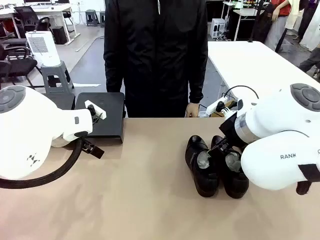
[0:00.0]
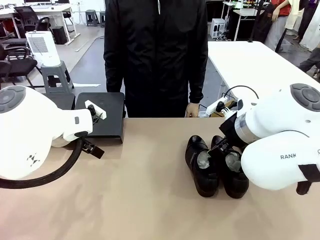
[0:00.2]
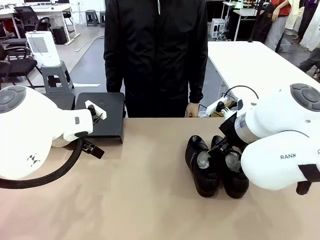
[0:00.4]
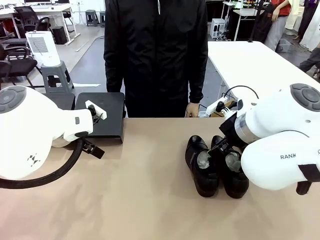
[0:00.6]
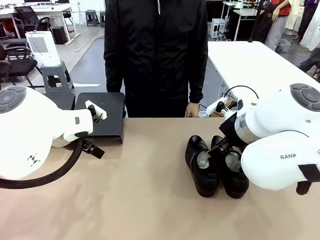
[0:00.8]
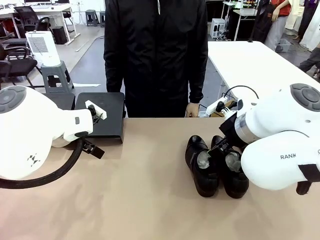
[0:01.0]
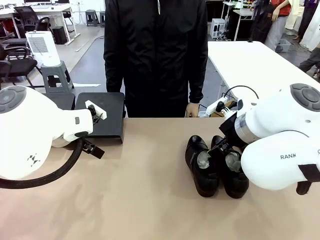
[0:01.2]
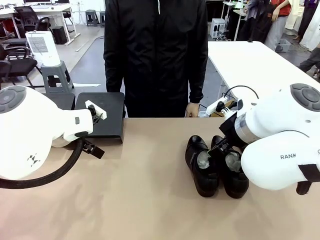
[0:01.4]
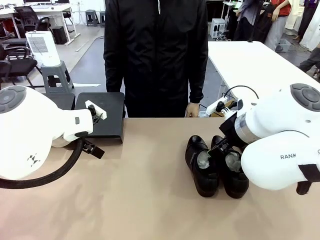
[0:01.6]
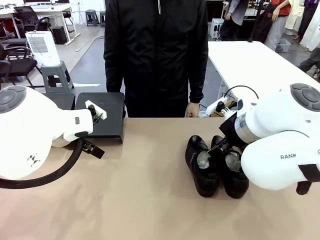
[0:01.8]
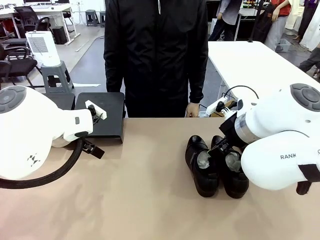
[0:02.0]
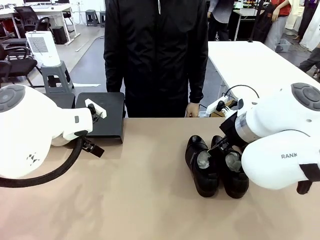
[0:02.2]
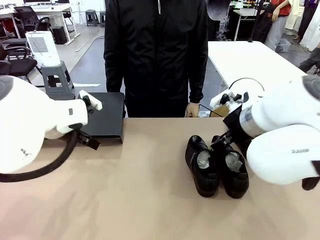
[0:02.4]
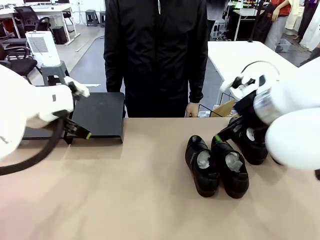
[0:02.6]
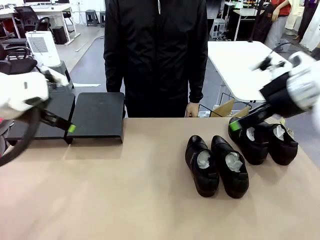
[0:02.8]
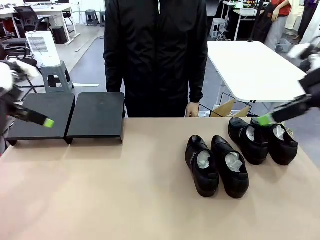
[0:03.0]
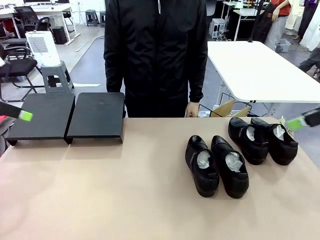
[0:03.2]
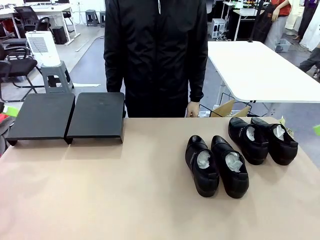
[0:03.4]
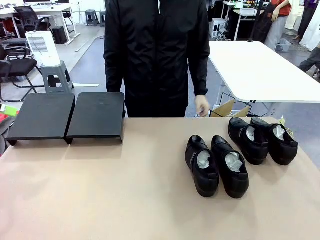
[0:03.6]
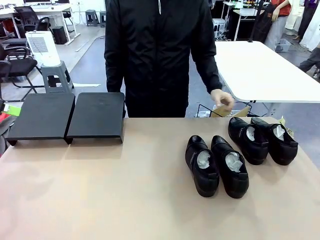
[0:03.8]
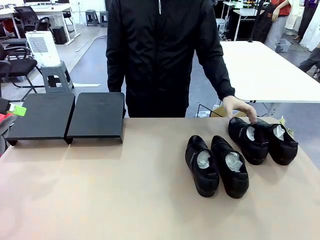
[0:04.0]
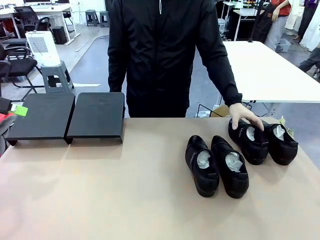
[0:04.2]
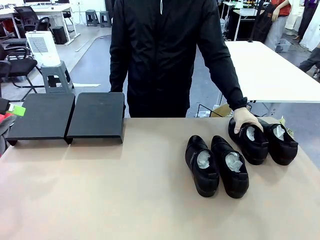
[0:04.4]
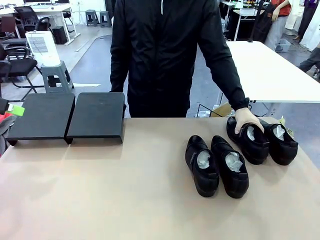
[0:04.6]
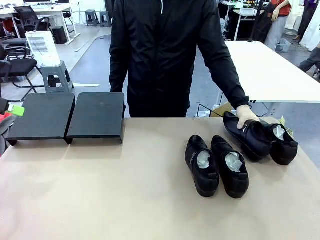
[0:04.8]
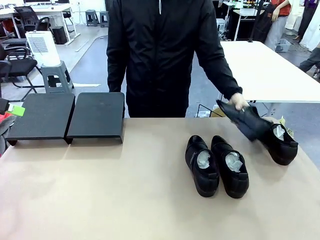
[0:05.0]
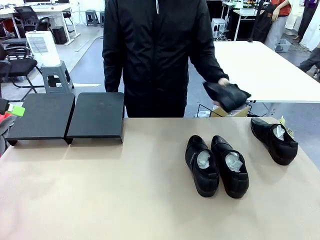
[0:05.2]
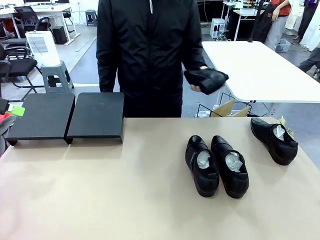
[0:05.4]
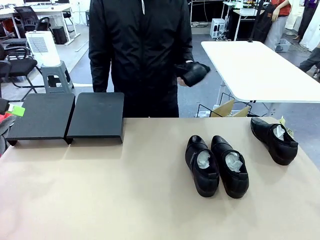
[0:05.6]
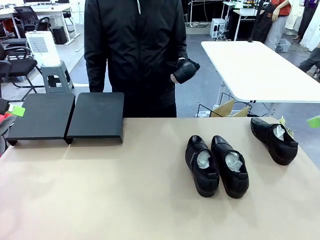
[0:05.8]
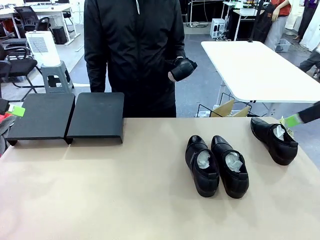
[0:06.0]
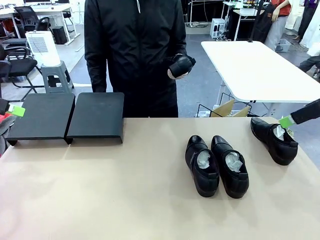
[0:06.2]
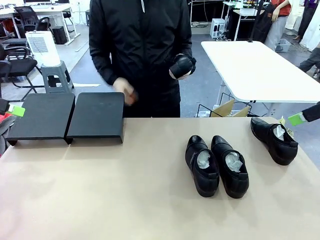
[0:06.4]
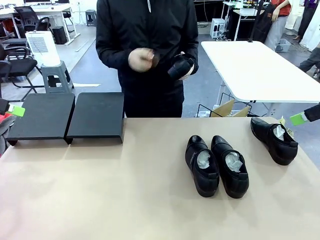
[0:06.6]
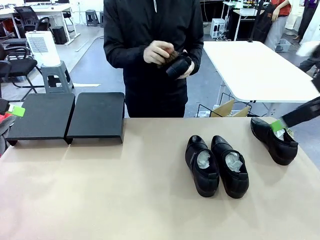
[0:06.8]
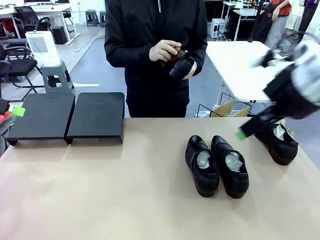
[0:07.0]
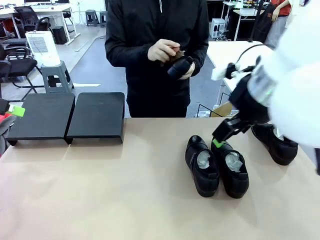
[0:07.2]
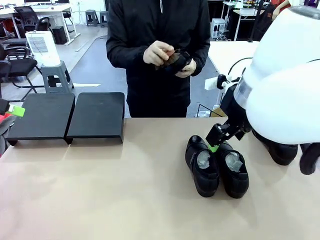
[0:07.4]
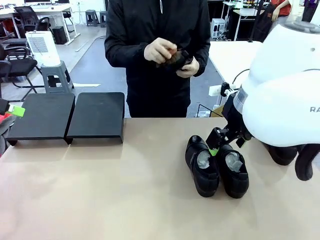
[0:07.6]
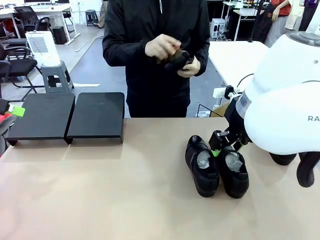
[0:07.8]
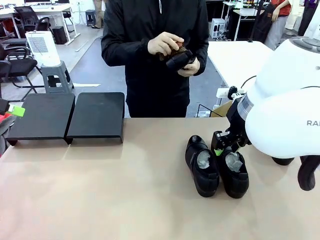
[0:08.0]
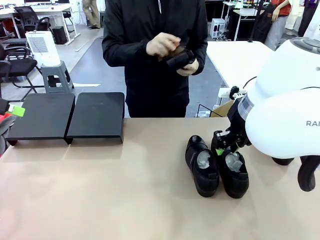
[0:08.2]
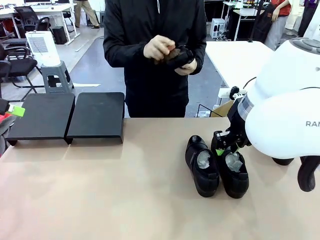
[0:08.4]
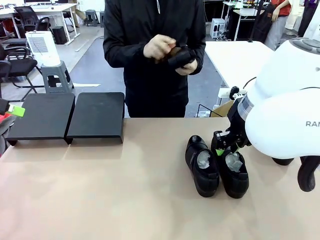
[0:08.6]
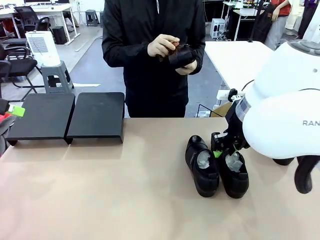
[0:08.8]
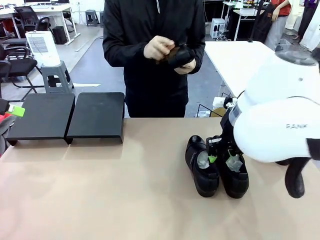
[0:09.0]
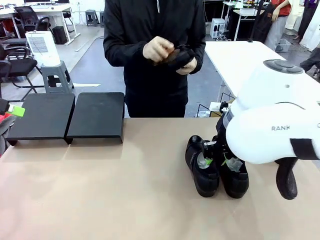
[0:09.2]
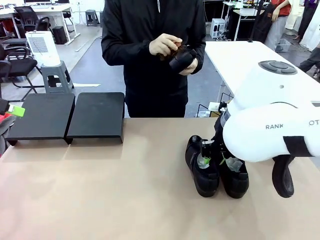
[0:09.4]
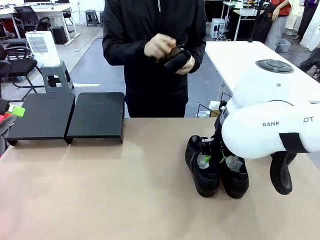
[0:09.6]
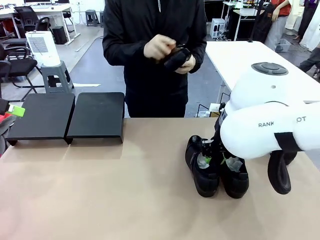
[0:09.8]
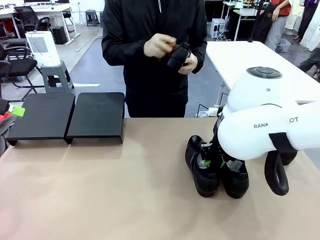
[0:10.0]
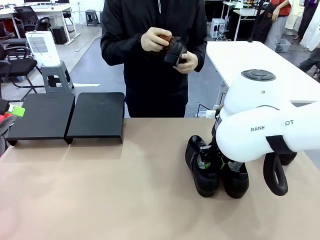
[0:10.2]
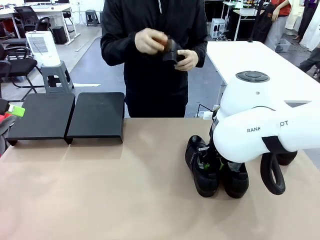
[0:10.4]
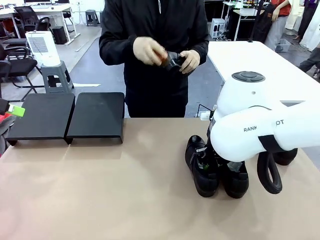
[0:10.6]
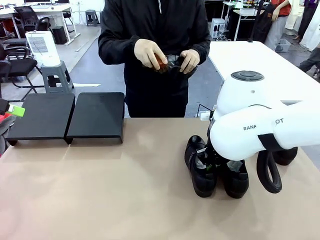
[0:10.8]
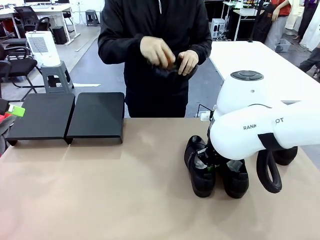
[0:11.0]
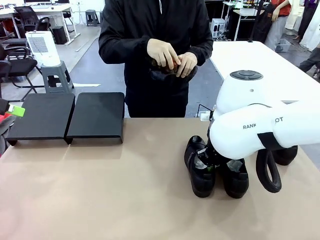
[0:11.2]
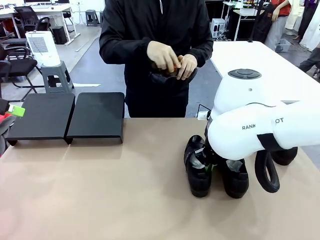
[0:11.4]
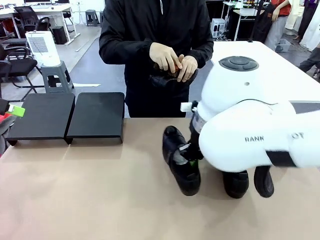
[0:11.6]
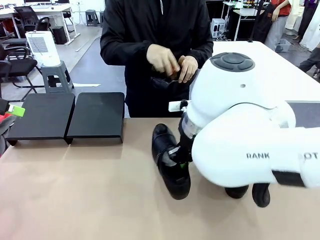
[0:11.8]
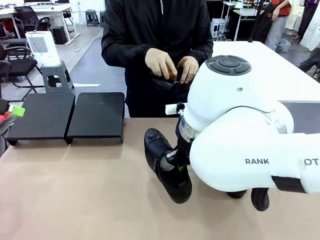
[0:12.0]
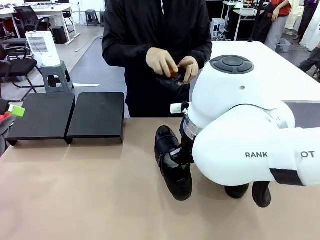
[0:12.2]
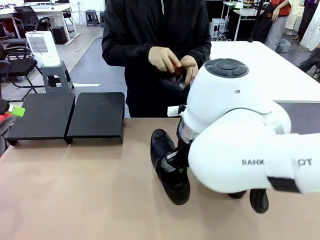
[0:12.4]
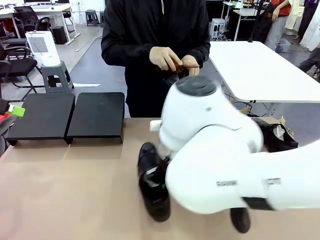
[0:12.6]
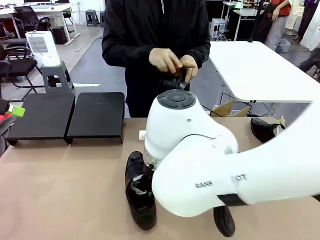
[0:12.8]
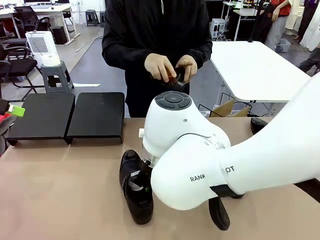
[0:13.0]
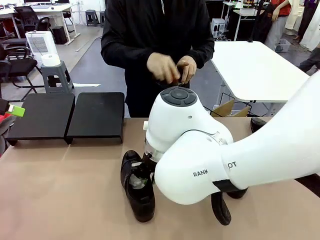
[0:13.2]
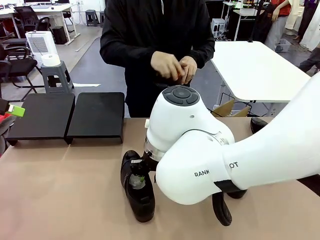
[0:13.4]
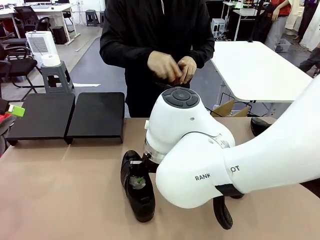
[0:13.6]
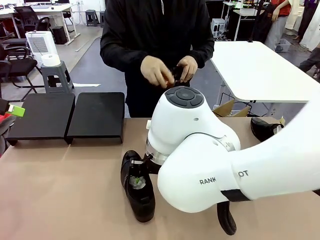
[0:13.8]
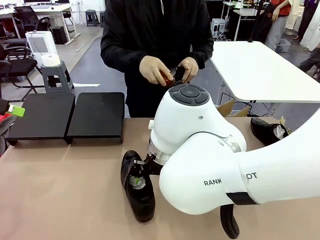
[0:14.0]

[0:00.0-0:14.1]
Task: Organize the shoes by placing them on the stand.
Robot: Pick up one Shoe and place it in the middle of the table.
Person: Pick one Shoe on Robot's table.
